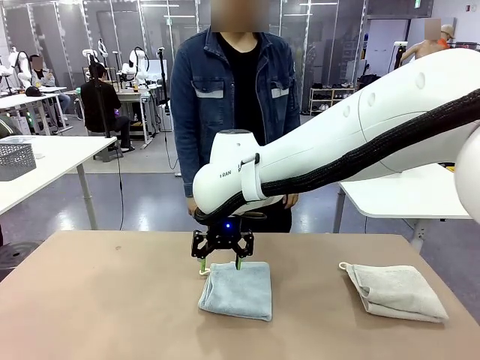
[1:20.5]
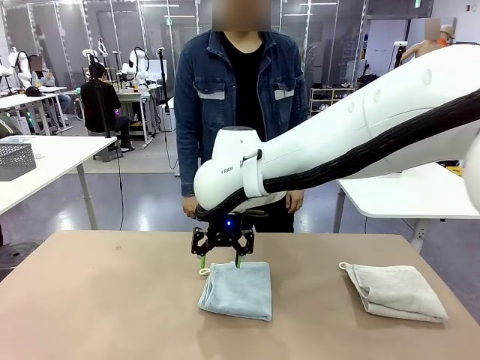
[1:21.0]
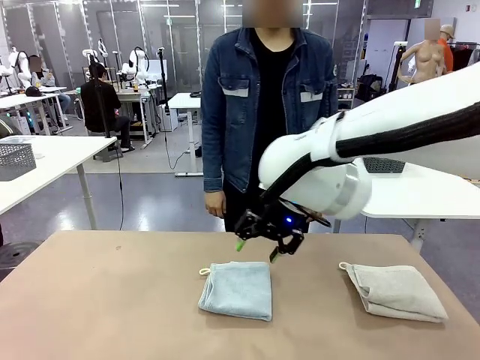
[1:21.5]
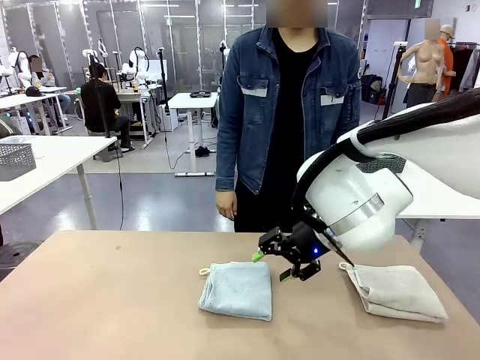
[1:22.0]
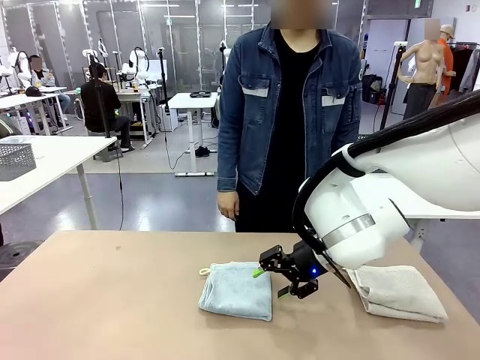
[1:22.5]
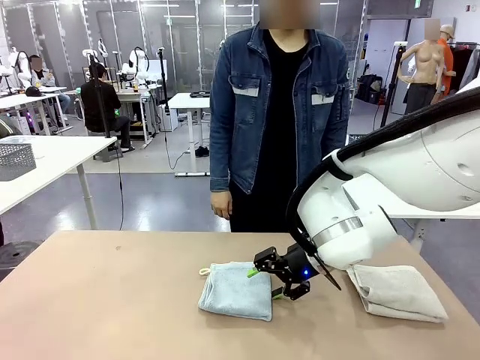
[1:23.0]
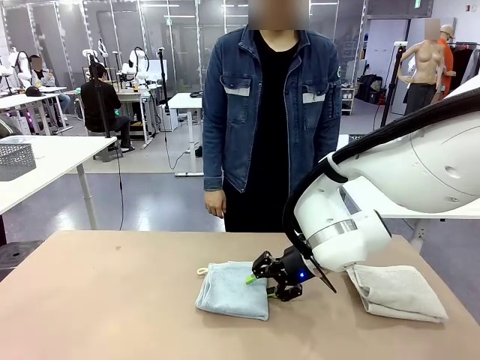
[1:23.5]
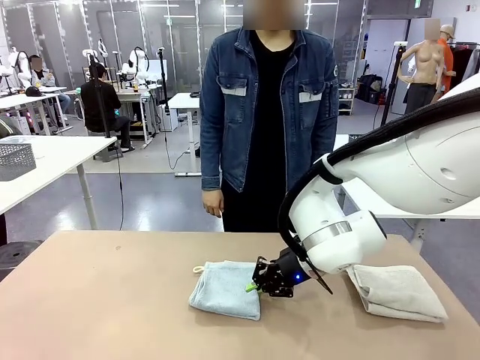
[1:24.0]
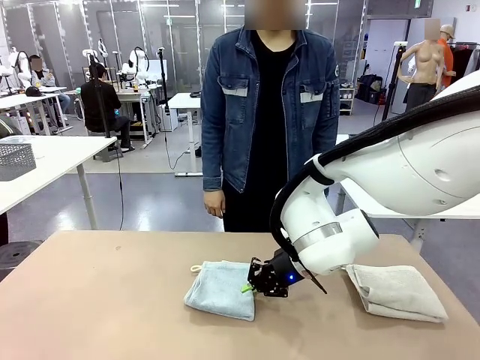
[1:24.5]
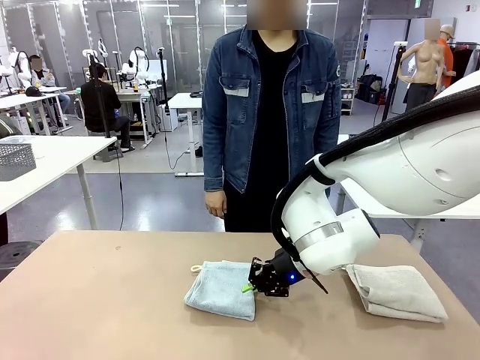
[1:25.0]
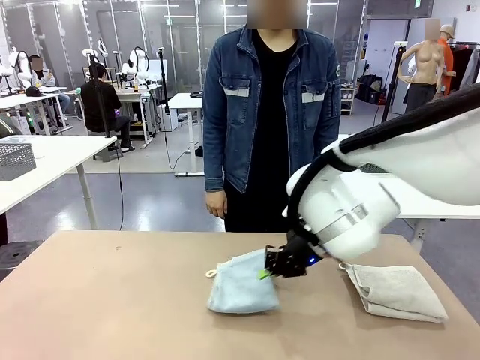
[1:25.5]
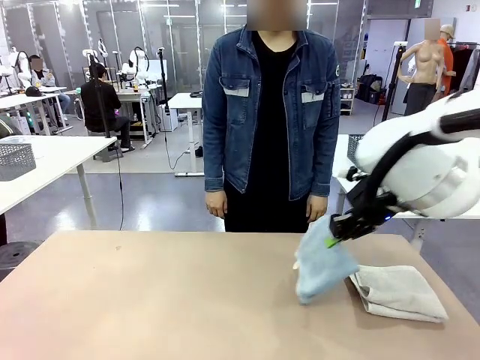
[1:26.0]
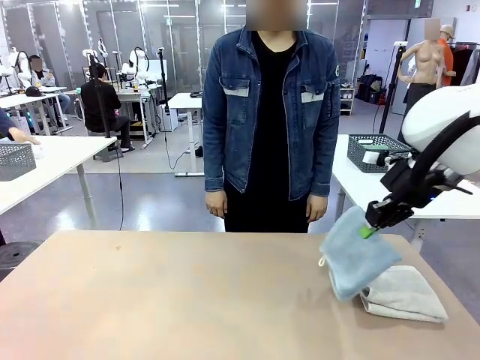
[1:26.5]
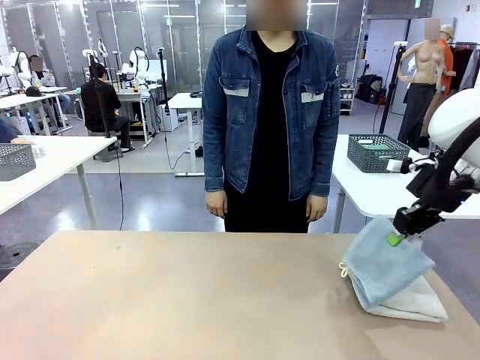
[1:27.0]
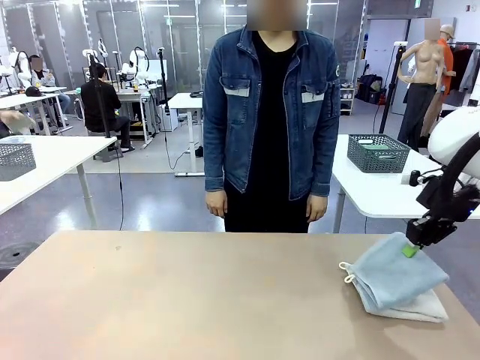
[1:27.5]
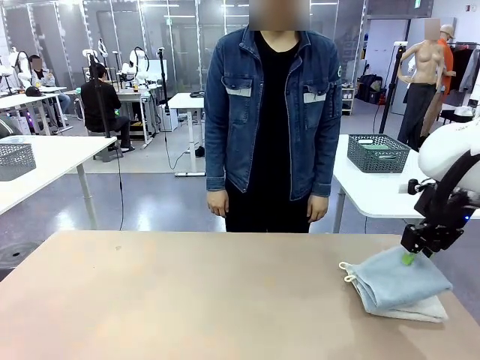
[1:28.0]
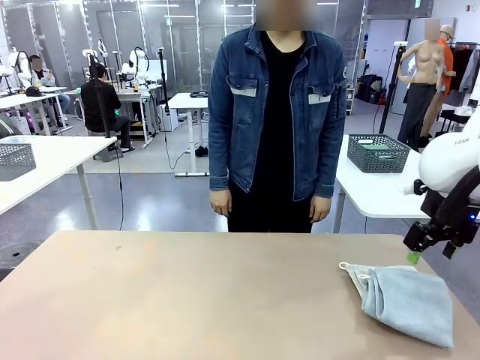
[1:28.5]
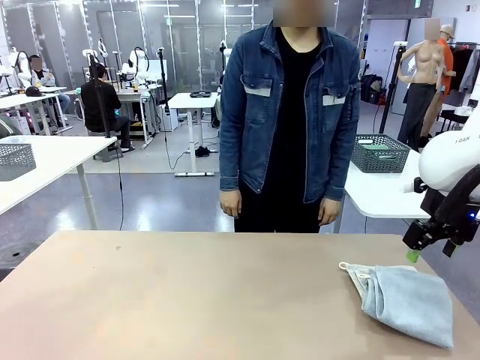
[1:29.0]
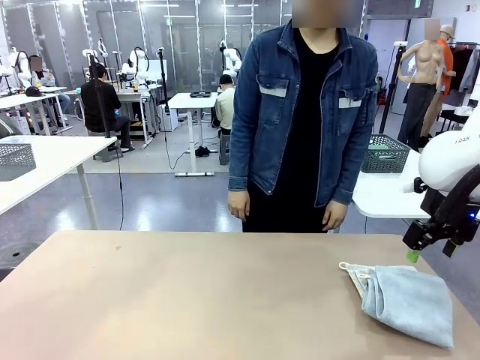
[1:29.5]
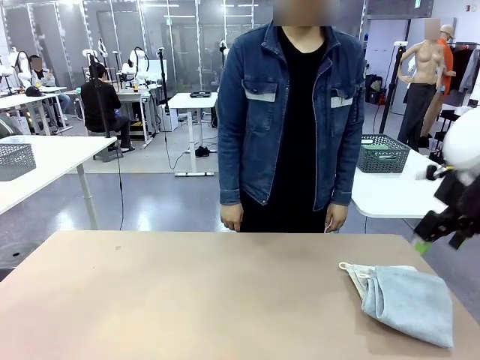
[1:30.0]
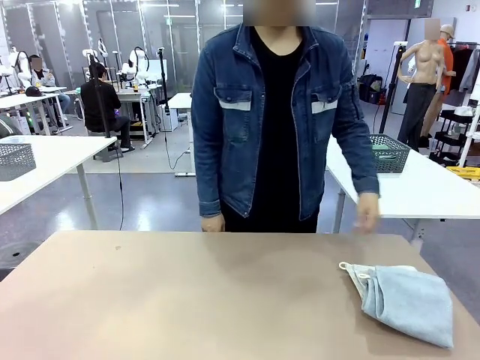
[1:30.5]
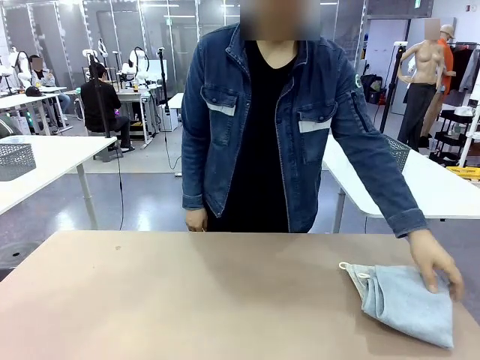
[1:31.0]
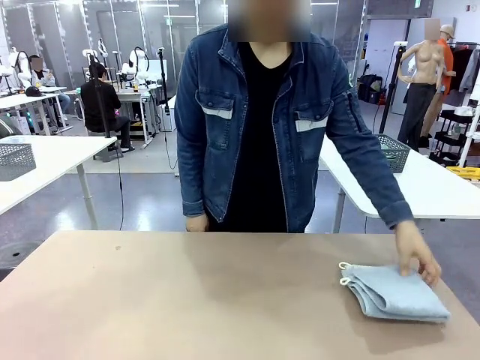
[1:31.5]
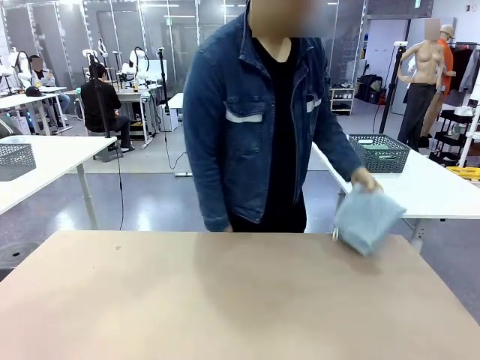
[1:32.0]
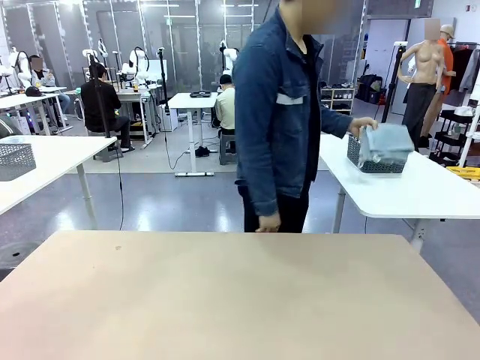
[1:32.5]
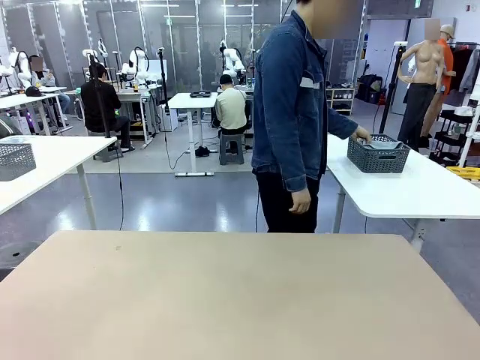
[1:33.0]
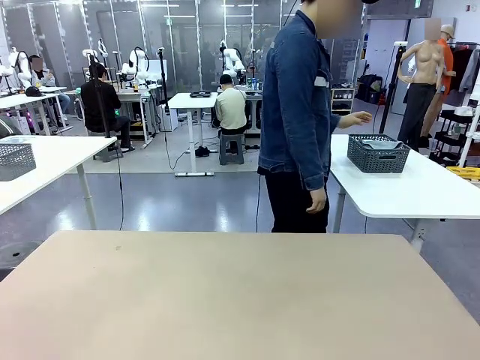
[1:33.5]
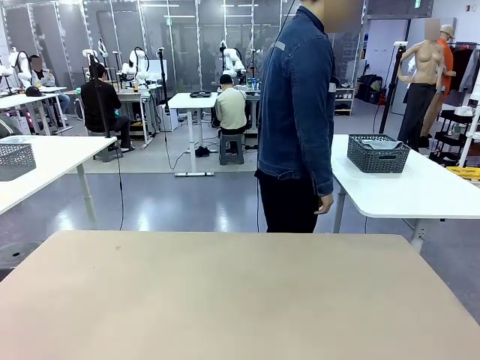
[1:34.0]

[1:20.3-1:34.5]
Task: Fold the towels and place them in the basket.
Robot: Stack the folded Towel with hook on the right side of the table.
Person: Pick up the stack of towels from the robot table and place it into the basket.

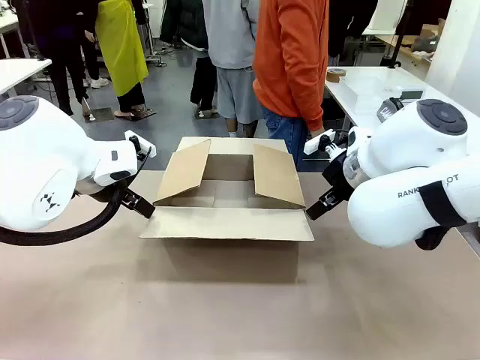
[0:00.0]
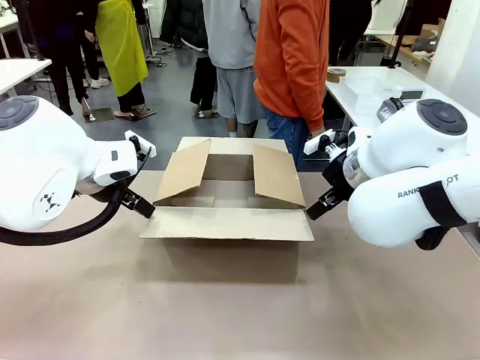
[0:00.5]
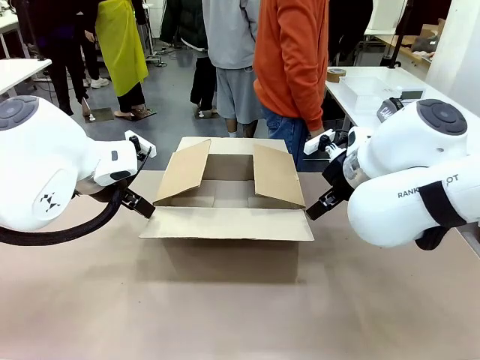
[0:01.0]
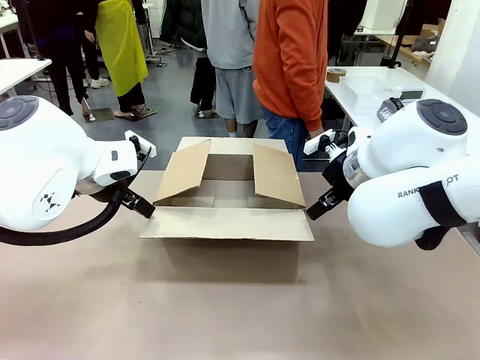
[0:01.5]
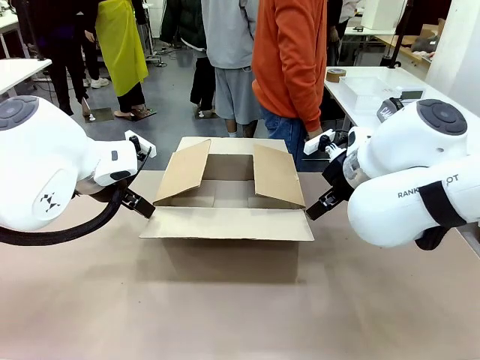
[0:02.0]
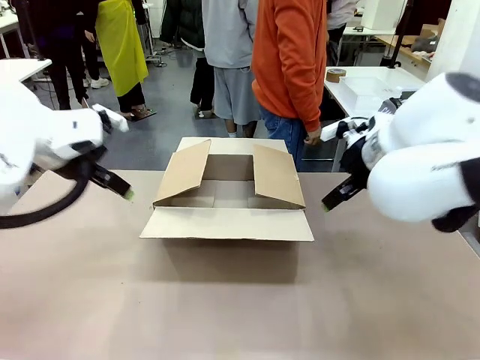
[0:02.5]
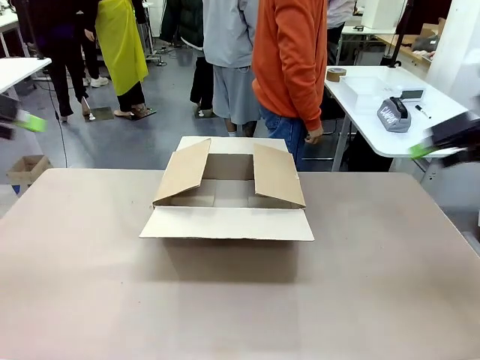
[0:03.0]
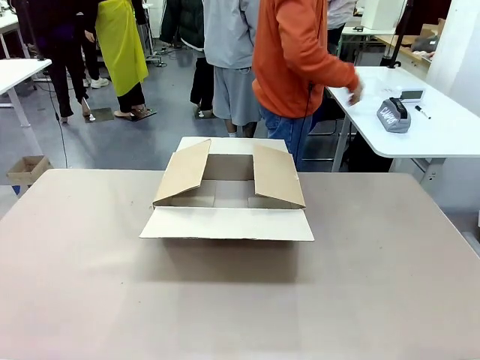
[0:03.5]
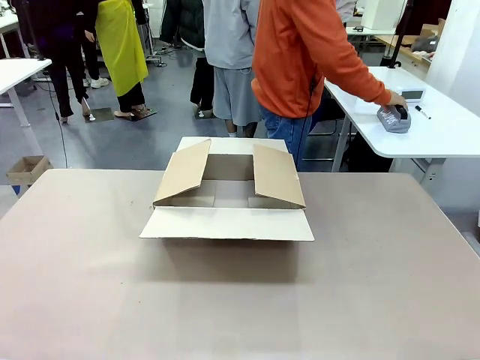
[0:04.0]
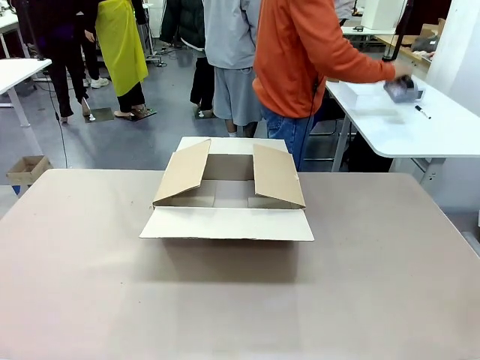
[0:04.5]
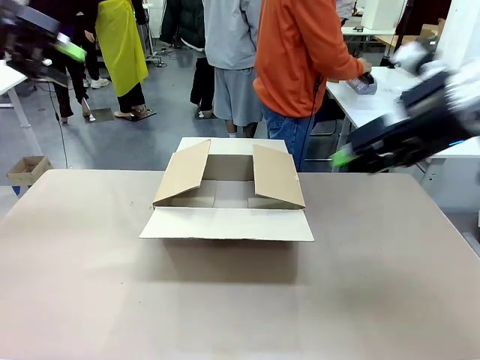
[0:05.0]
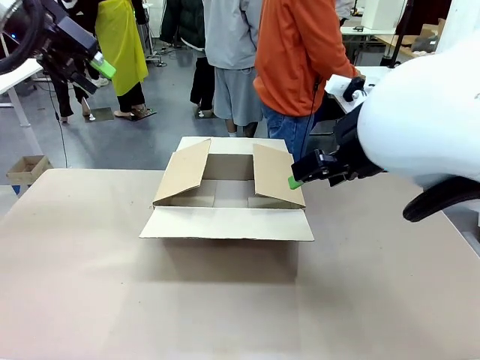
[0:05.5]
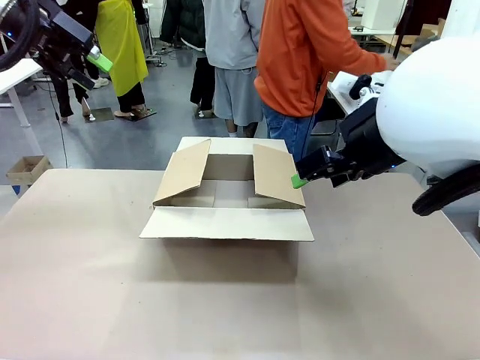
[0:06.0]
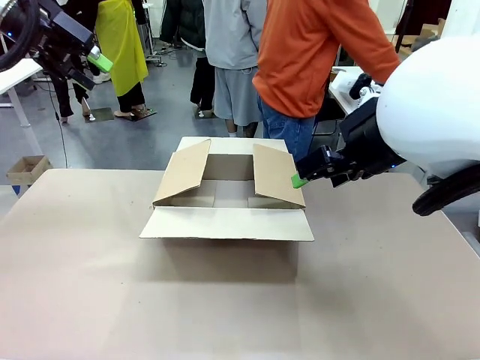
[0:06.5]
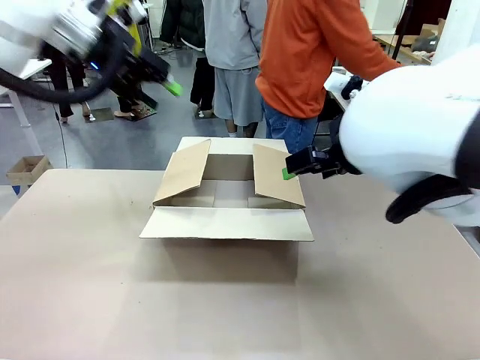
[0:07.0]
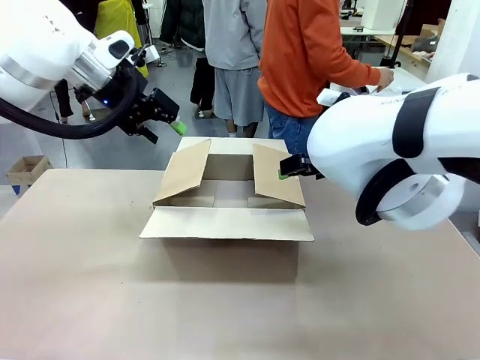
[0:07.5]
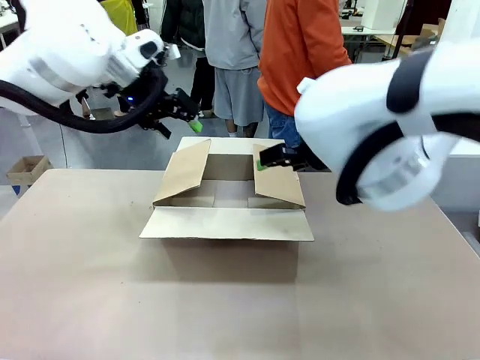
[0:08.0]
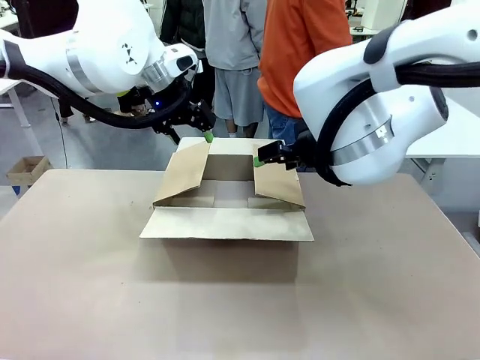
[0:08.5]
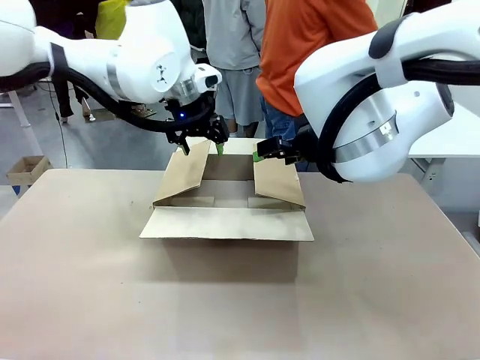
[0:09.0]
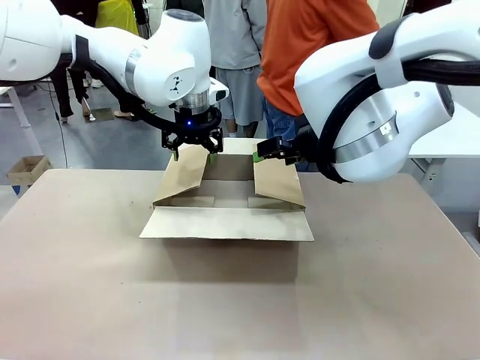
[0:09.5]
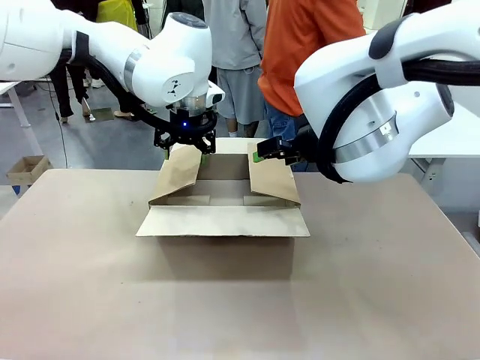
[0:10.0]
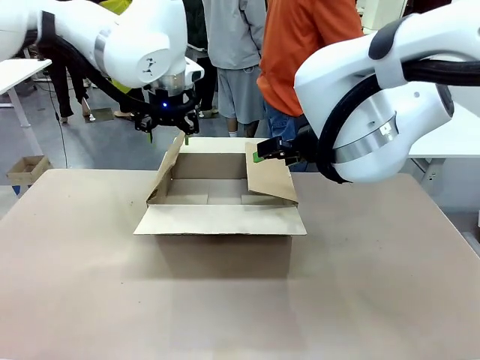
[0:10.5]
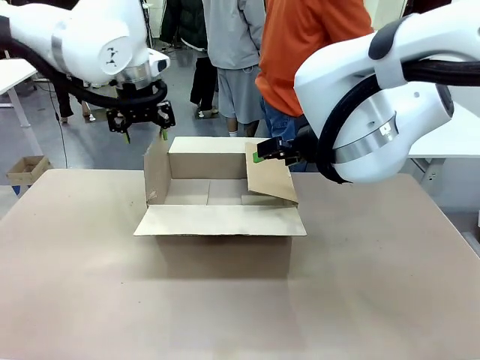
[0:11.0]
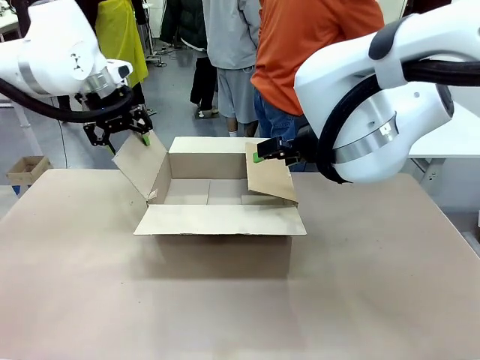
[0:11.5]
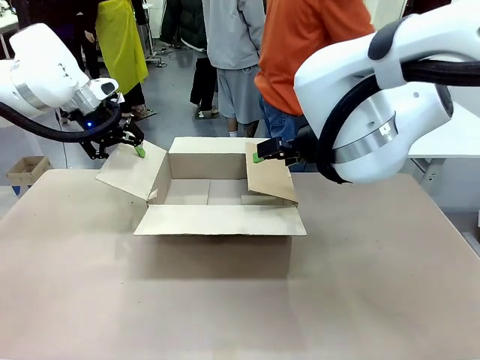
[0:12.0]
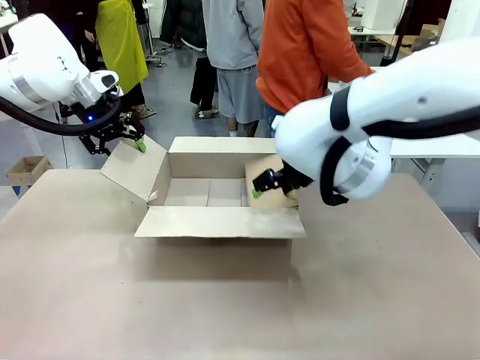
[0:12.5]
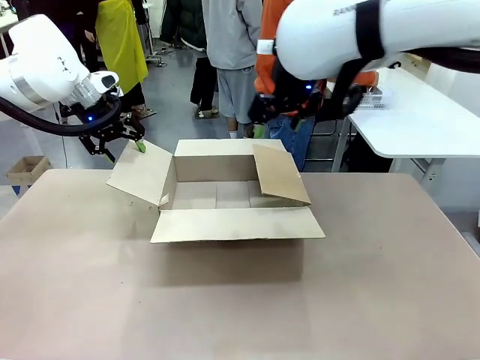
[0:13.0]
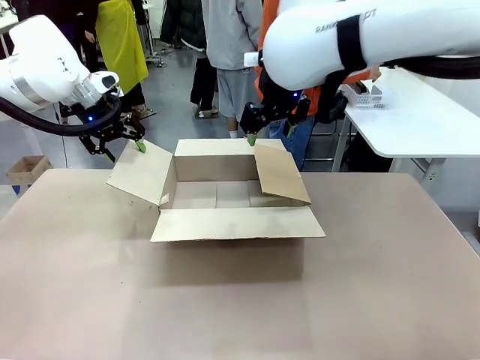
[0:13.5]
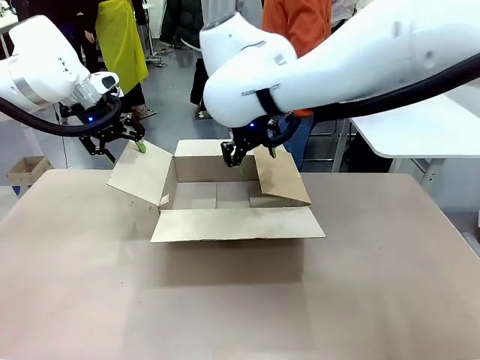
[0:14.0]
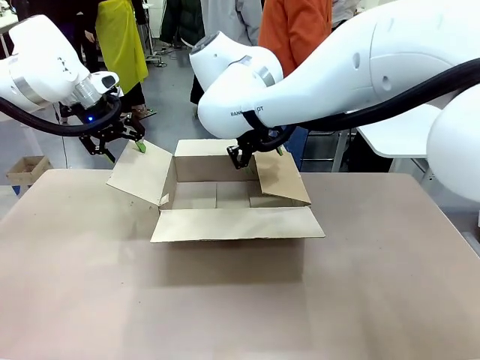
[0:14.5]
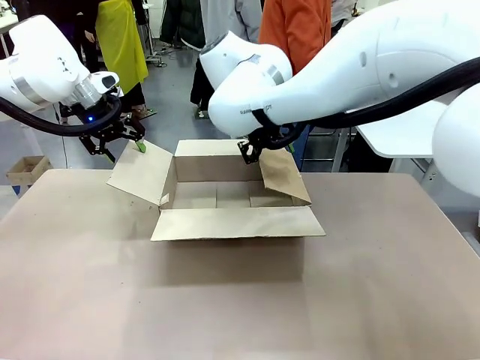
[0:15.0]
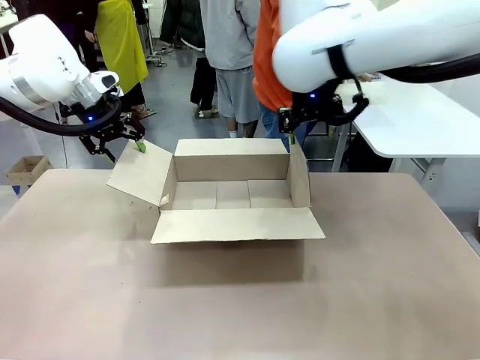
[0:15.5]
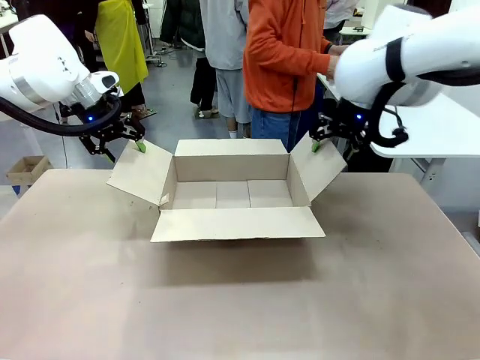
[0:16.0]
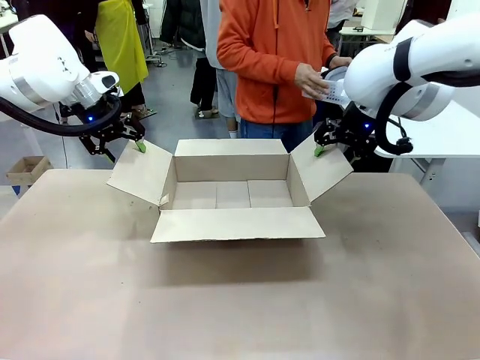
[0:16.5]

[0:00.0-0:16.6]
Task: Pack the gift set into the box.
Robot: Place both hands on the side flaps of the Package Box and spread them outward.
Person: The human places all items except the paper tape into the organizing basket.
